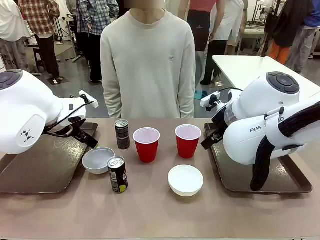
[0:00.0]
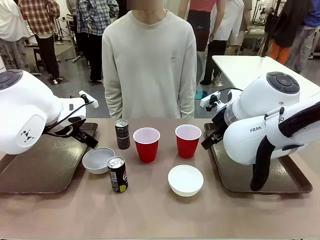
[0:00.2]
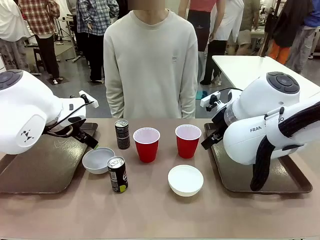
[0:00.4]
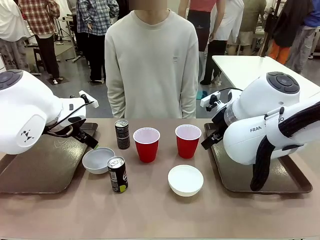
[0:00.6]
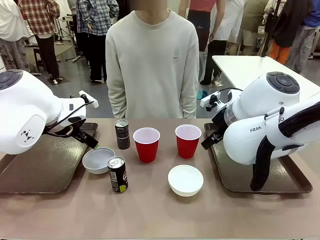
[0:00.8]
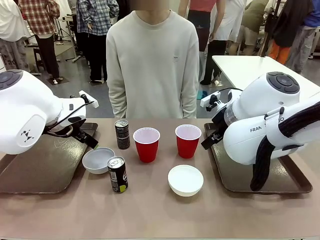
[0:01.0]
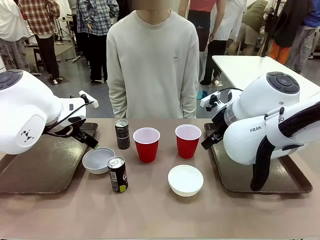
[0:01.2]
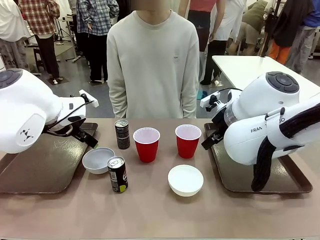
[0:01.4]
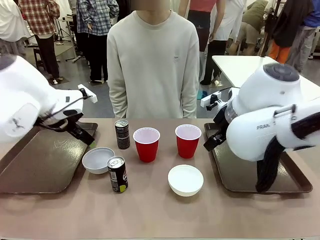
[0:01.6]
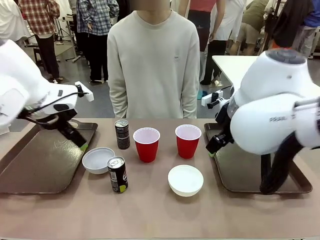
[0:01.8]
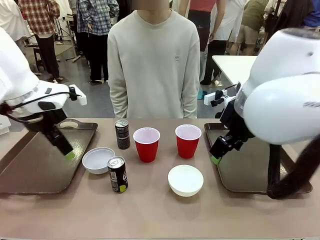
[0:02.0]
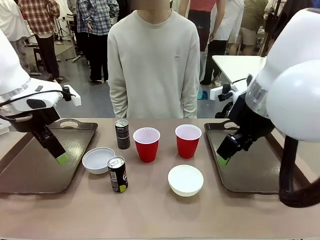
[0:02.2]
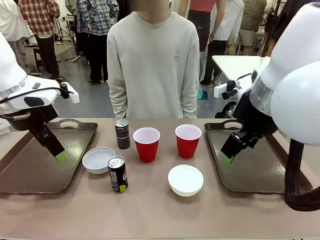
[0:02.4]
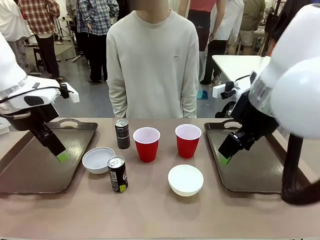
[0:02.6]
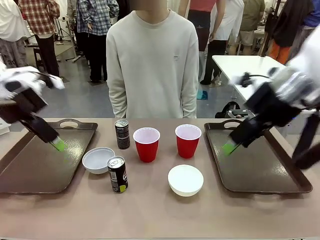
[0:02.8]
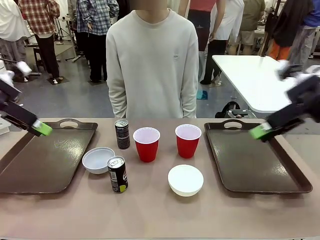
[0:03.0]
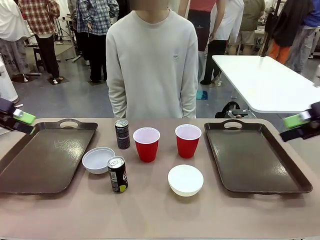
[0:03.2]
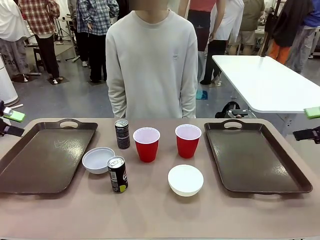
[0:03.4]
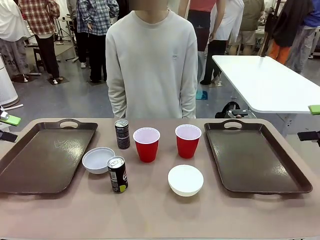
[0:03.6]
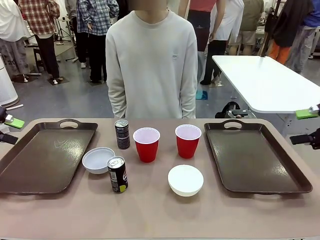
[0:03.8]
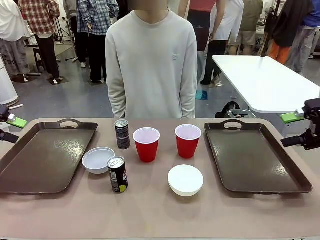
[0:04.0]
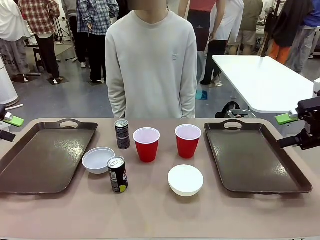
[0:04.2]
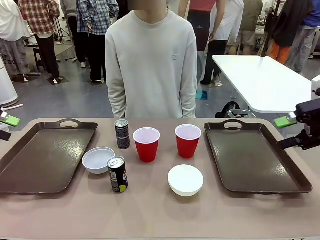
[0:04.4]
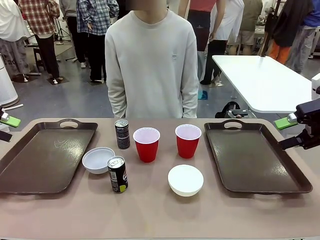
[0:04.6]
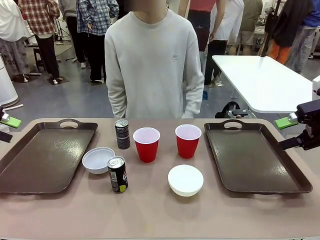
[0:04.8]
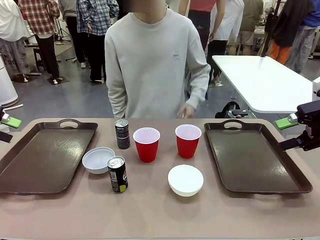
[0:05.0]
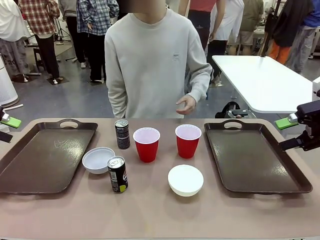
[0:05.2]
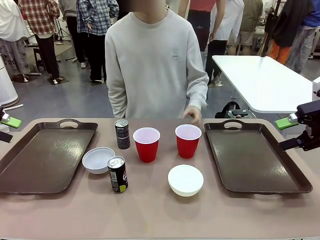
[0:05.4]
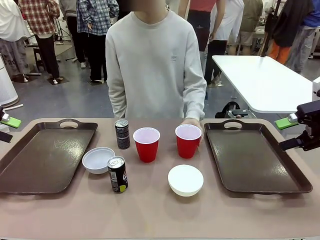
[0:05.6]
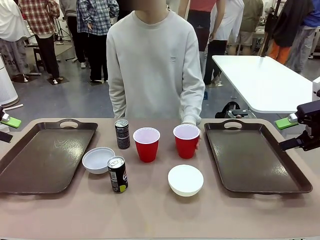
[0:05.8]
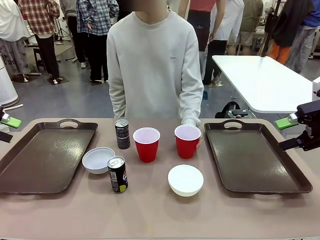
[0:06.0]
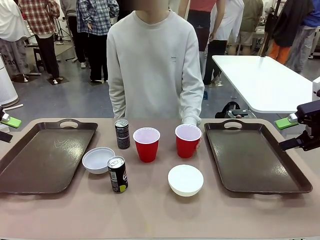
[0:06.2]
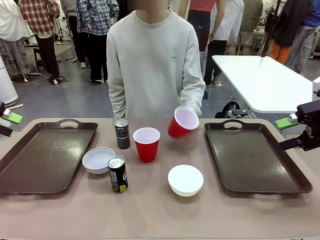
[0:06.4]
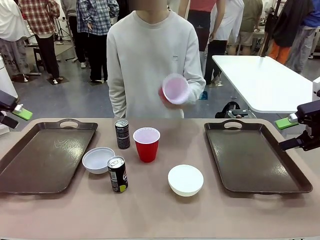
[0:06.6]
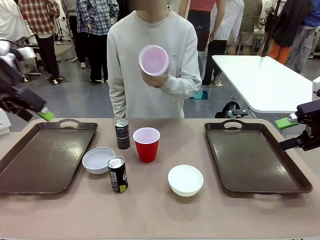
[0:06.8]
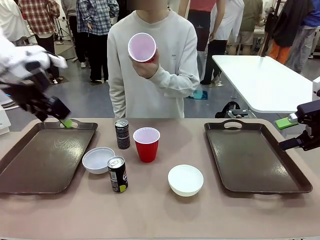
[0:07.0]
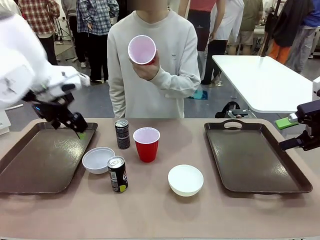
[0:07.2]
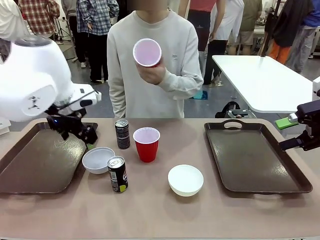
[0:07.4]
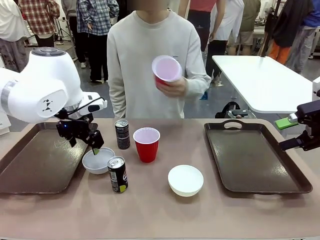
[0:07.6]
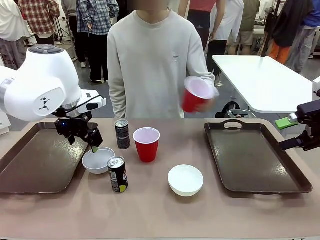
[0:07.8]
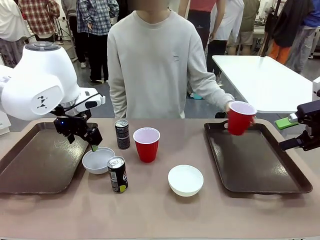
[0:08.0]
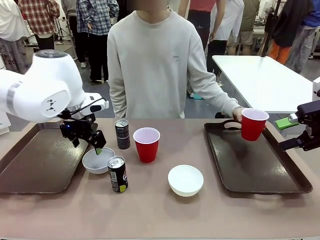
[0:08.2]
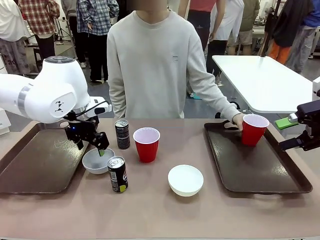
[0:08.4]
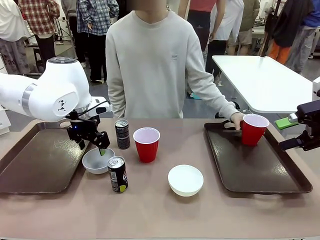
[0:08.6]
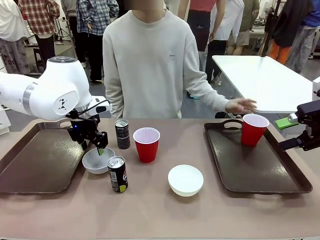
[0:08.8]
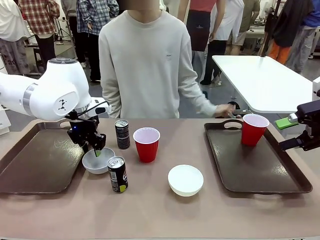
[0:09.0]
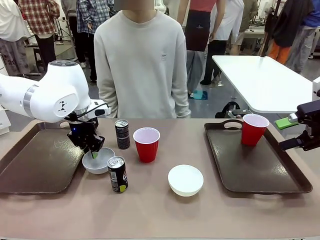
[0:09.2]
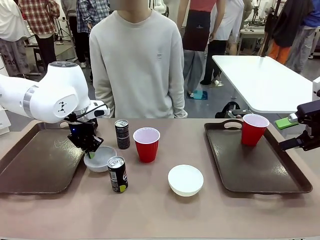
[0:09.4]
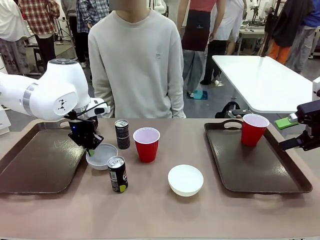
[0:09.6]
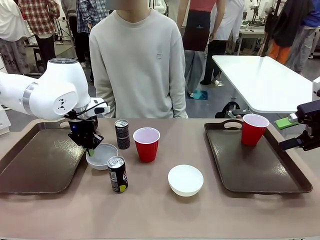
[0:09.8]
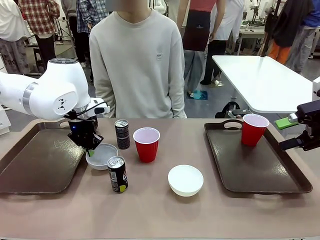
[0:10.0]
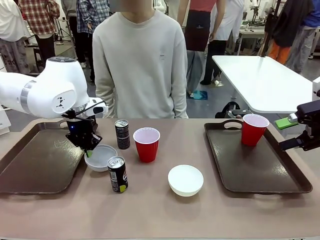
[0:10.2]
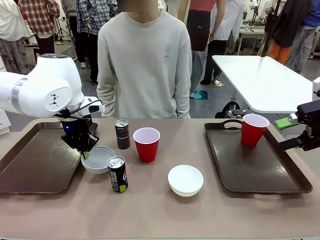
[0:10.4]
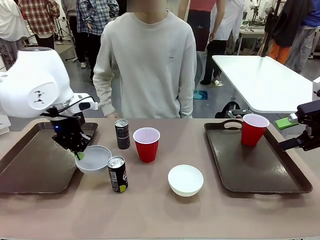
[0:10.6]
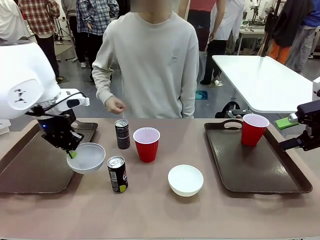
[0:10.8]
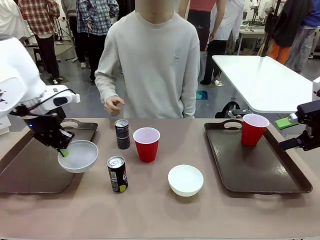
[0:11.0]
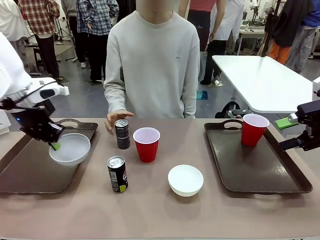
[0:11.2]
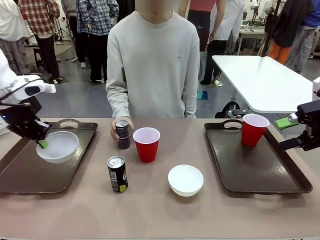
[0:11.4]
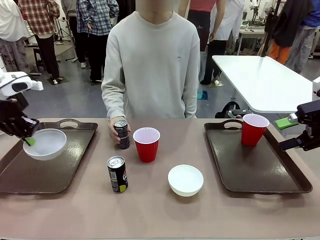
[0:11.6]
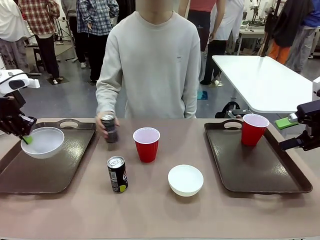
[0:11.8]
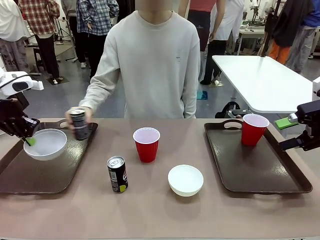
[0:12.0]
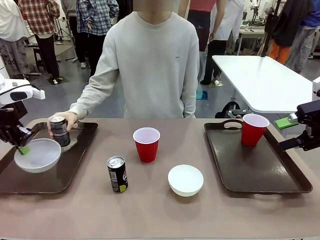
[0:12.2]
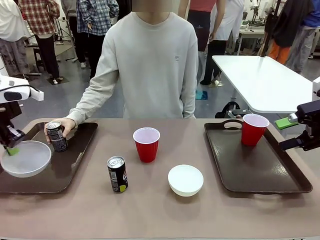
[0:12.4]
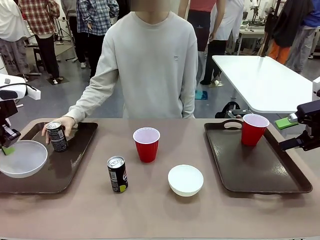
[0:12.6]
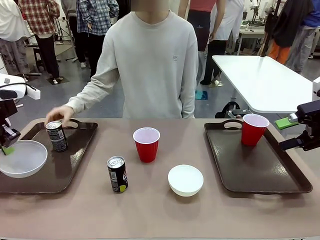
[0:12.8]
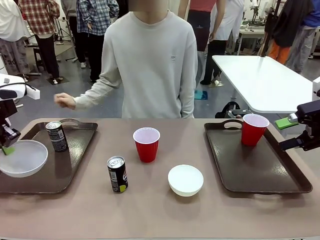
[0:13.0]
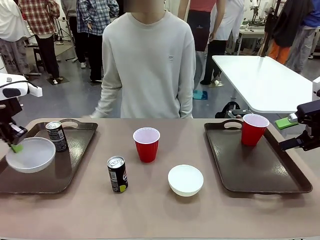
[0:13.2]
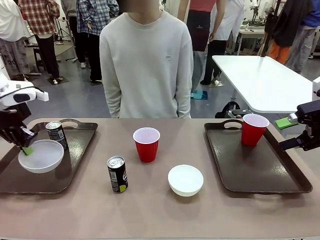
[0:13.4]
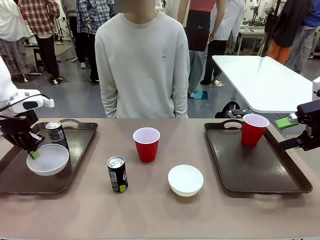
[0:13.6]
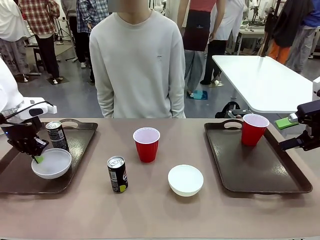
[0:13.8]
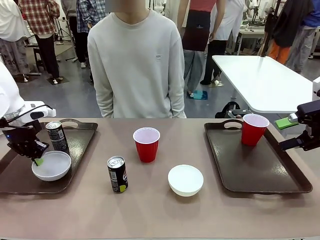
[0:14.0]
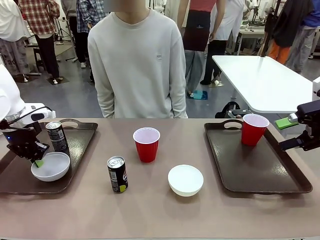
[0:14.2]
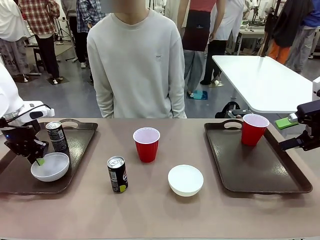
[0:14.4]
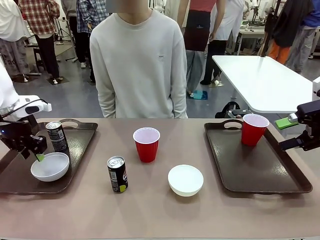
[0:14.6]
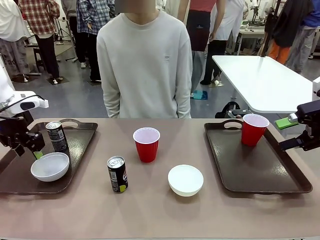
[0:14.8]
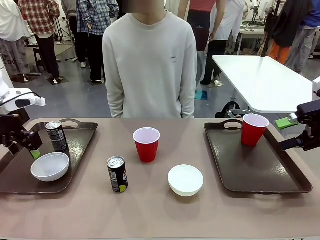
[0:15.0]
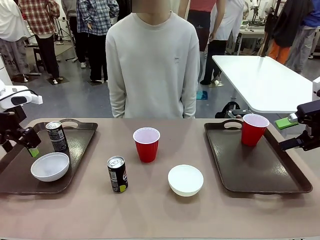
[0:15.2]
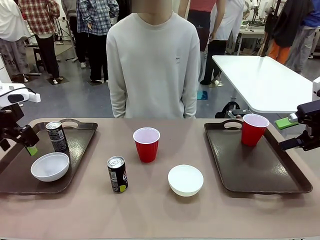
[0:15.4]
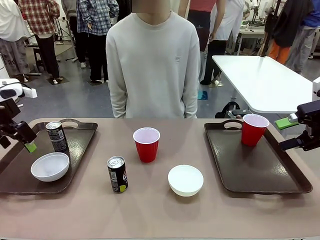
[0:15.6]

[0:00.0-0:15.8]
Task: Prepare tableware on both trays.
Robot: Pick up a Picnic Bowl from the table and place it on a Handle tray.
Person: Pick up a can or cup and place it on the tray.

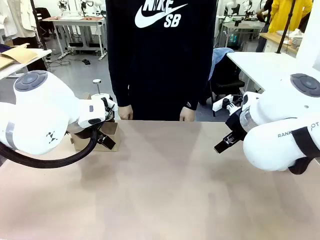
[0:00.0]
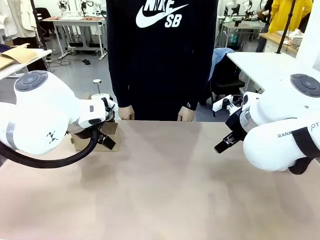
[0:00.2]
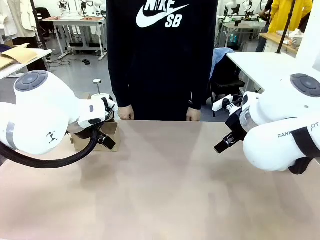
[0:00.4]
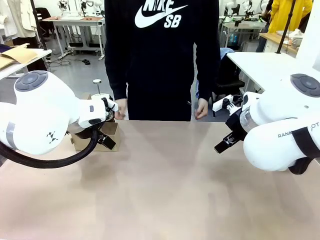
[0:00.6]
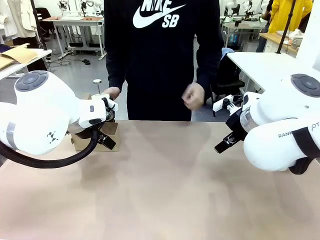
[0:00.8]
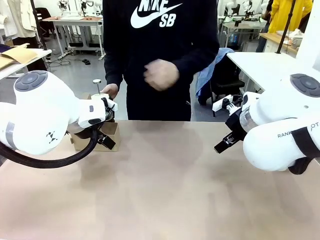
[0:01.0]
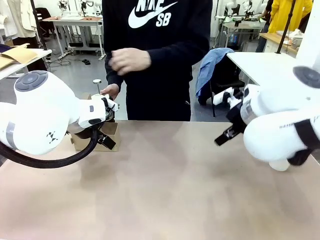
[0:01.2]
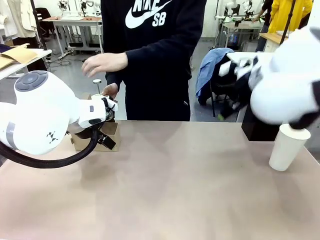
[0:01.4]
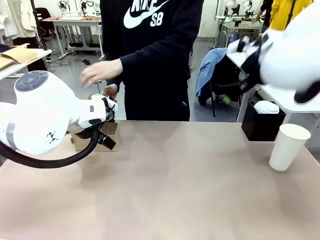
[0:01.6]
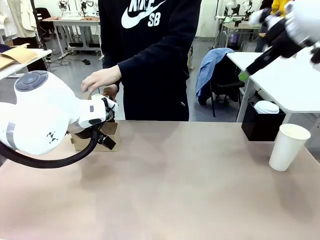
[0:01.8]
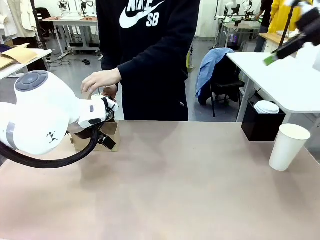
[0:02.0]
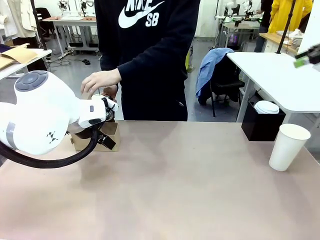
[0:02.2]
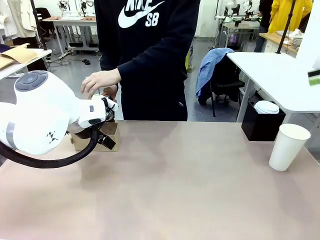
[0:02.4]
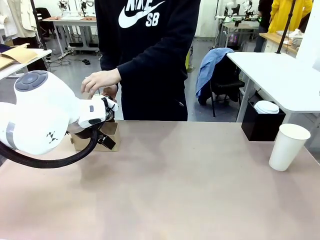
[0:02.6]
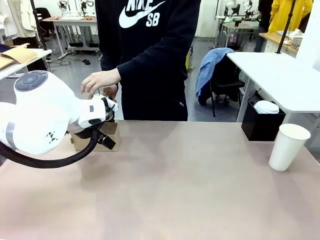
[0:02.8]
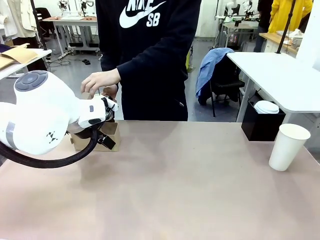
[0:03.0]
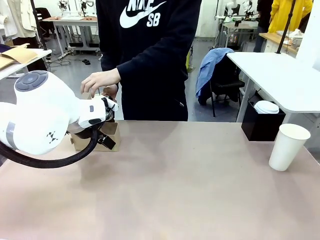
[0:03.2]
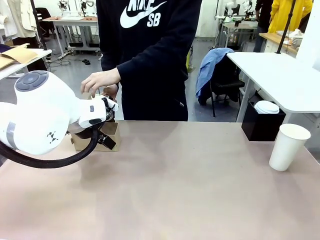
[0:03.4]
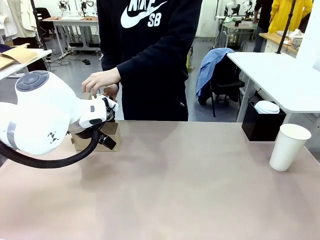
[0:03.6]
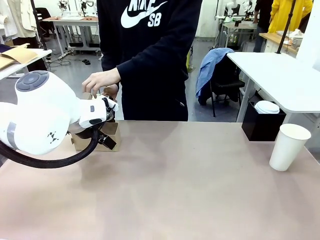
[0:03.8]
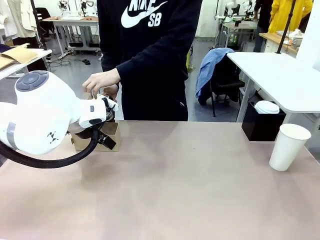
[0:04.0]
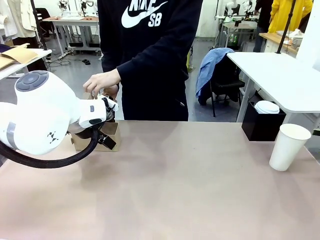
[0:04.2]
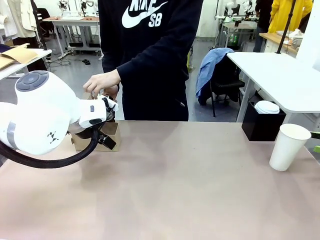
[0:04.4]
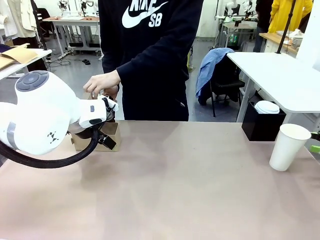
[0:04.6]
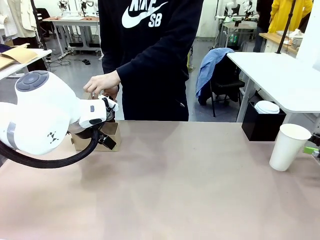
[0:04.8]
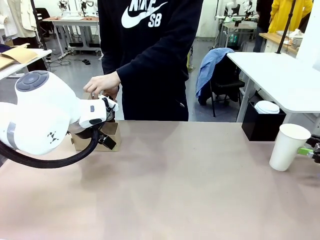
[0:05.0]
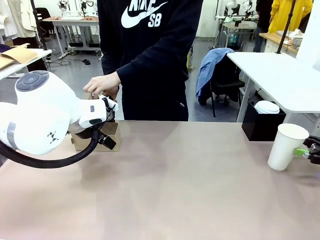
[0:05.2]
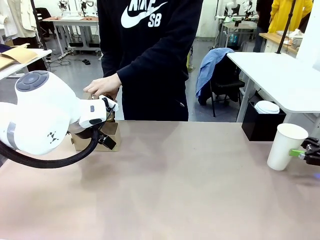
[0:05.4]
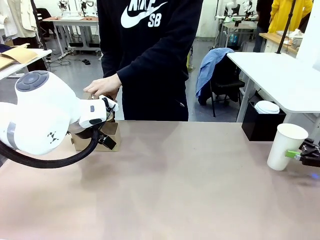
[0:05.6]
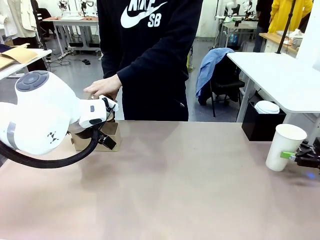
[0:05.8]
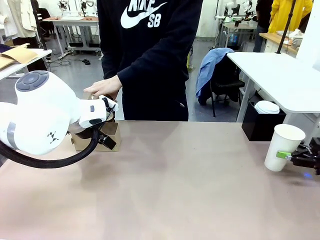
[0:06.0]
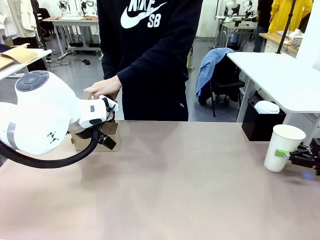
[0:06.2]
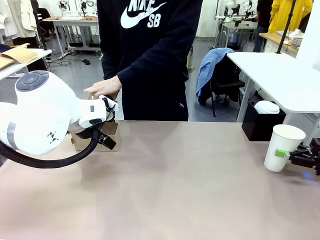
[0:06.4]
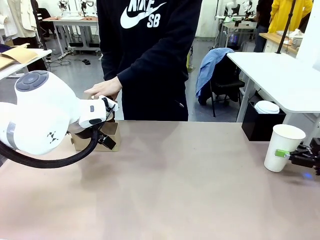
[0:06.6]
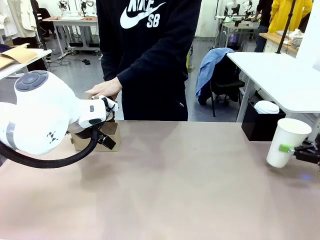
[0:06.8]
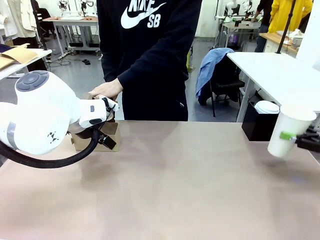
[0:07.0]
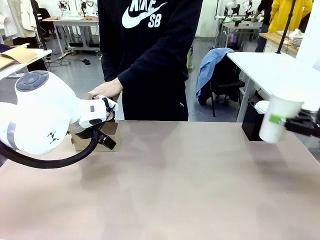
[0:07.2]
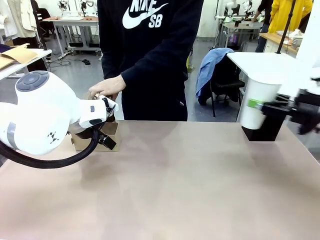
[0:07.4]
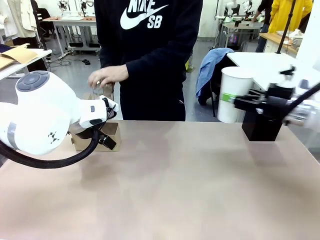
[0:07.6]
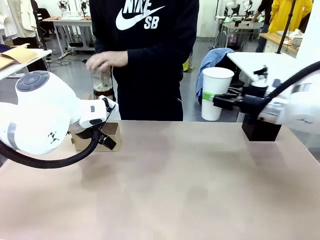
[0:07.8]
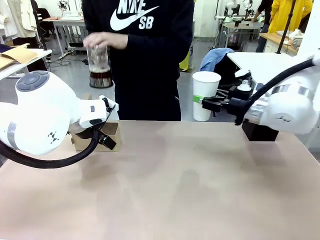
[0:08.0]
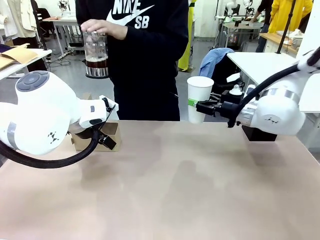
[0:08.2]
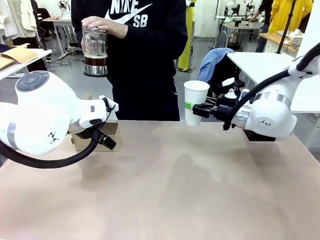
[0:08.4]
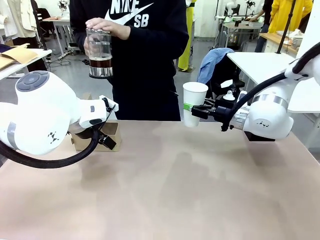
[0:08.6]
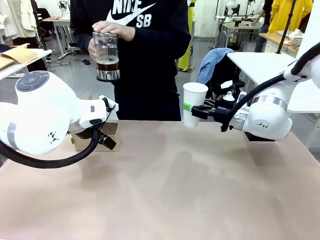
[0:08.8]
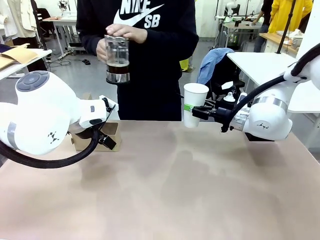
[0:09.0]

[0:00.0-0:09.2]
Task: Pour a drink into a cup and package it in a carrier.
Robot: Pick up the 600 ml Paper Cup and place it in the middle top area of the table.
Person: Press and pick up the Filter Brewing.
